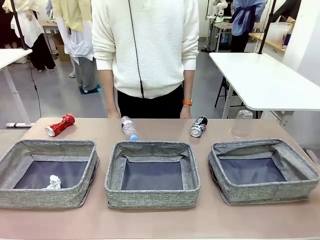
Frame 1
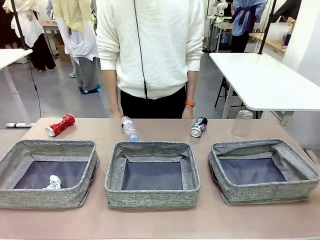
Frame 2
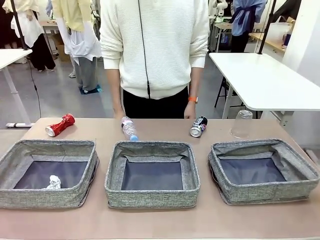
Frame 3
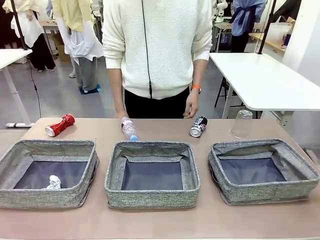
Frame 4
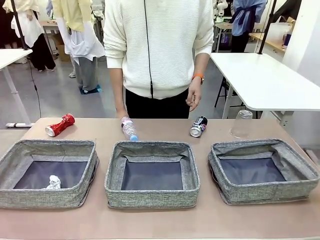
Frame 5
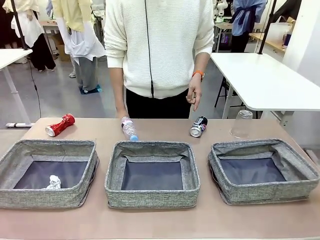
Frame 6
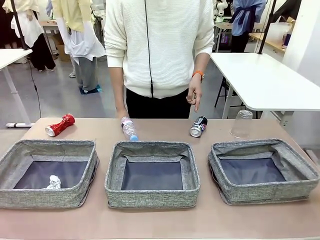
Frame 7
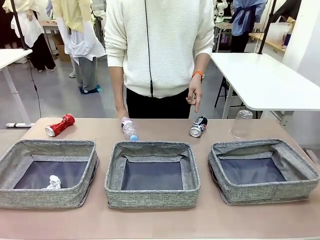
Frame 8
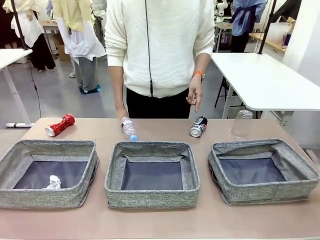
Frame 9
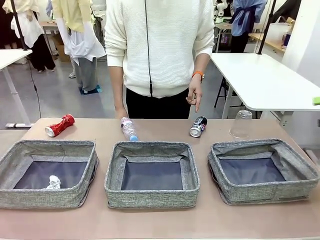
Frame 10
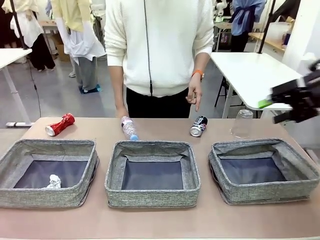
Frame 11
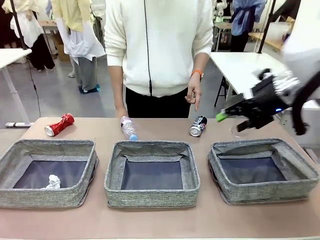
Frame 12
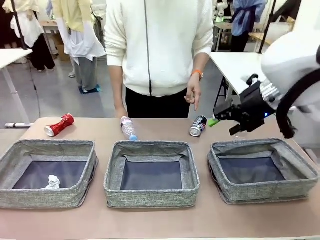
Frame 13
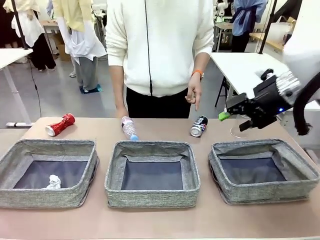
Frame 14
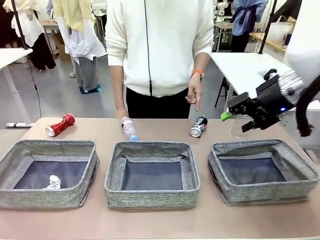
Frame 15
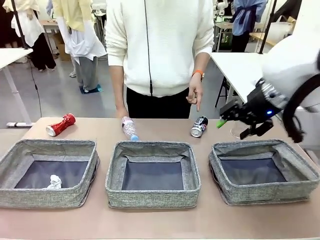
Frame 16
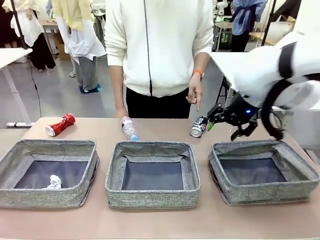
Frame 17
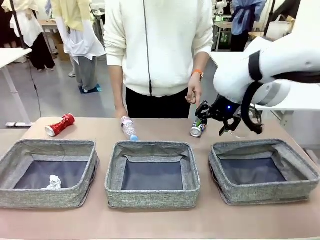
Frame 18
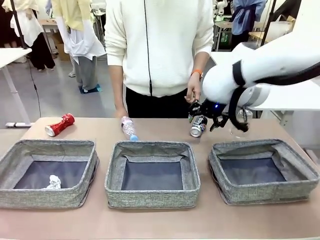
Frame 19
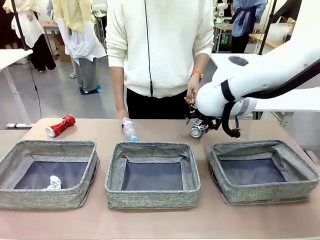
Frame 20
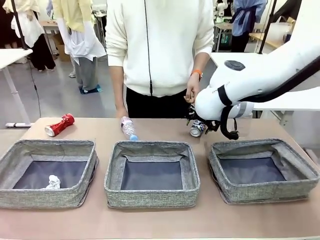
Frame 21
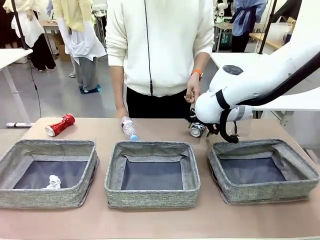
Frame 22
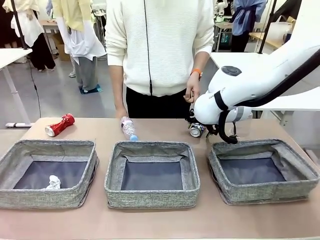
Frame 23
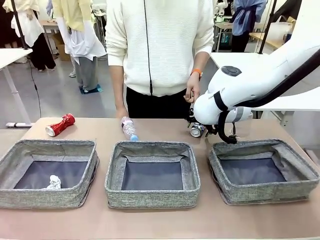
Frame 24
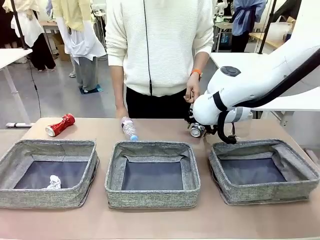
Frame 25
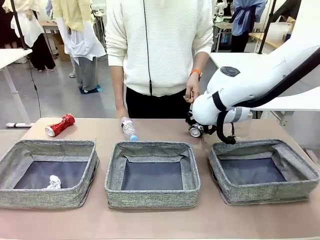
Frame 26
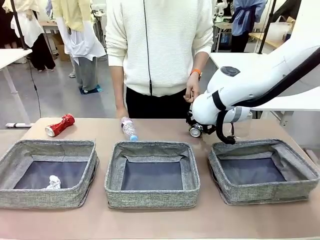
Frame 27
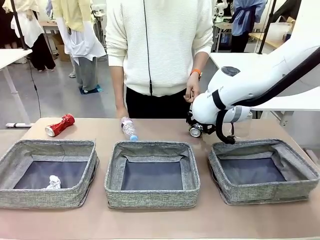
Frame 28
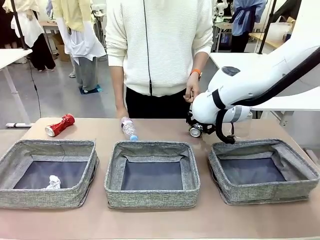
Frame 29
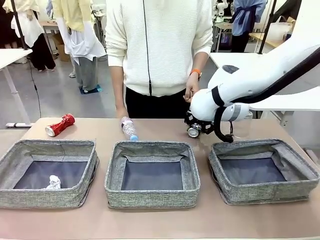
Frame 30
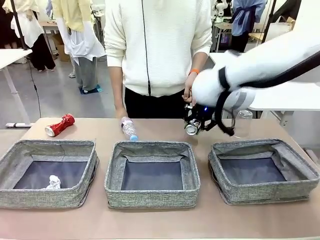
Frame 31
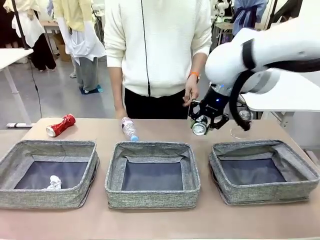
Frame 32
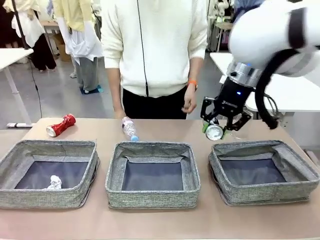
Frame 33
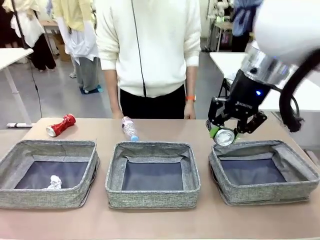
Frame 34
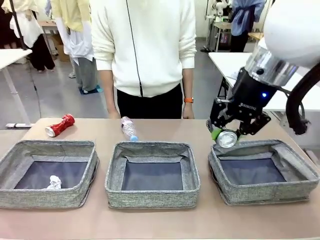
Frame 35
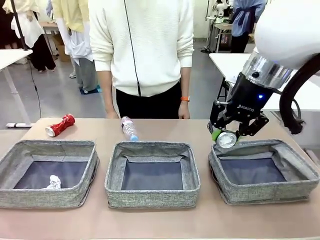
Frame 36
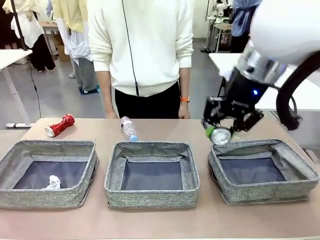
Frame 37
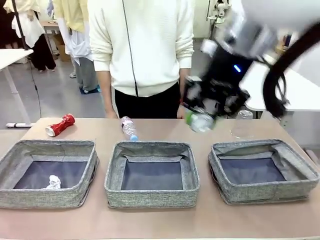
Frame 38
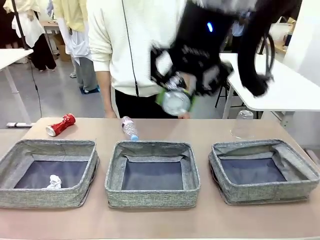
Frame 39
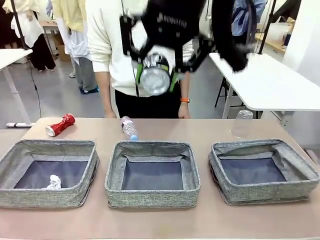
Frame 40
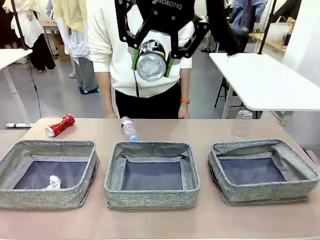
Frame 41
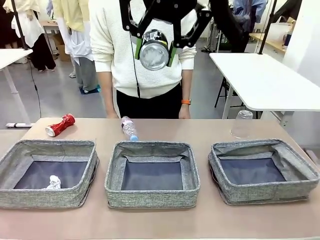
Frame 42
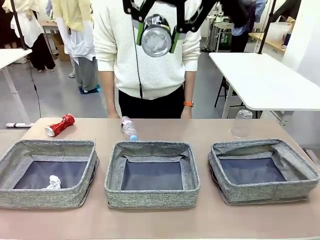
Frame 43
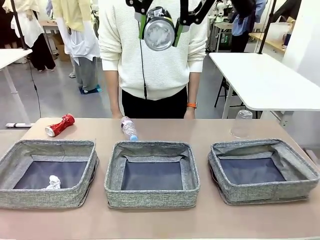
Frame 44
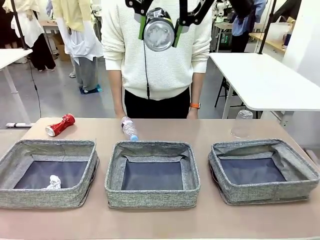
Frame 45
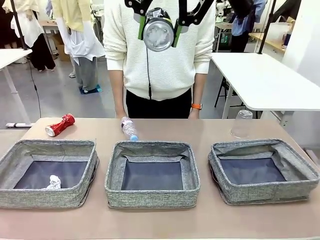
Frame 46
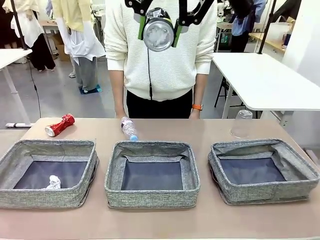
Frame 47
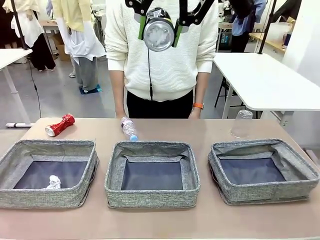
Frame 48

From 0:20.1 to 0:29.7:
Task: Sort the waste into the appropriate baskets.
Robot: Pick up the waste item pointed out by the person.
Person: Points to one piece of trash on the table.

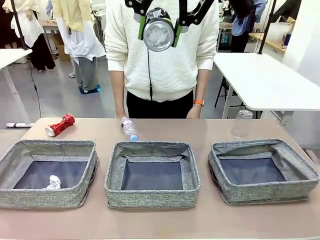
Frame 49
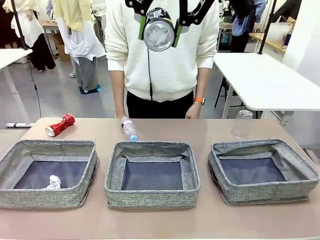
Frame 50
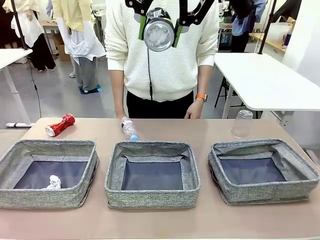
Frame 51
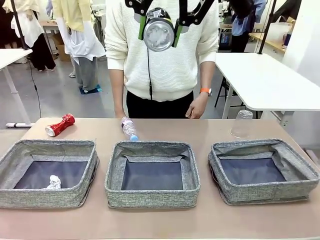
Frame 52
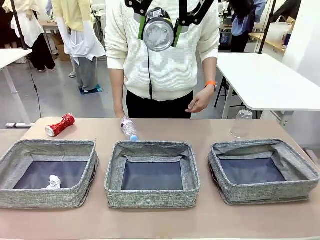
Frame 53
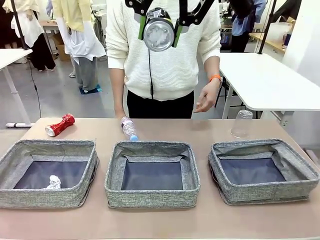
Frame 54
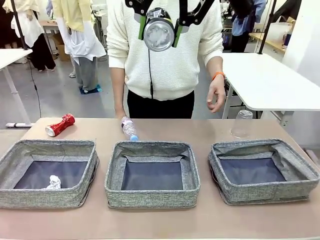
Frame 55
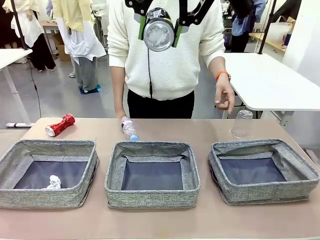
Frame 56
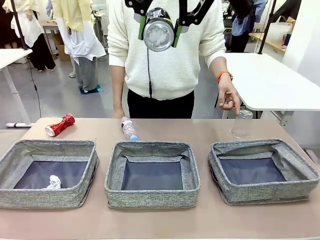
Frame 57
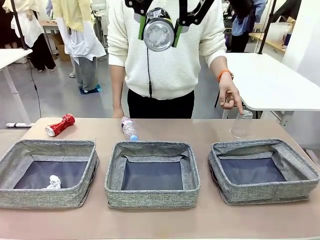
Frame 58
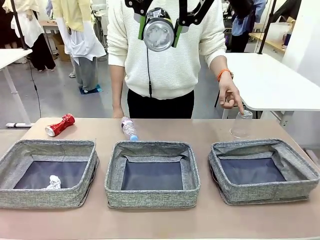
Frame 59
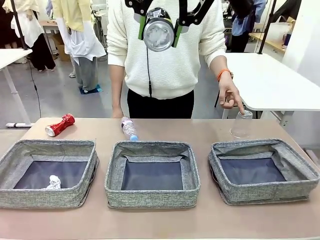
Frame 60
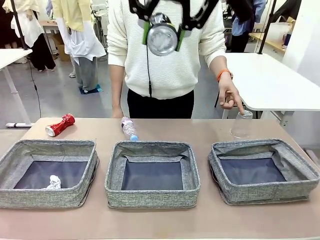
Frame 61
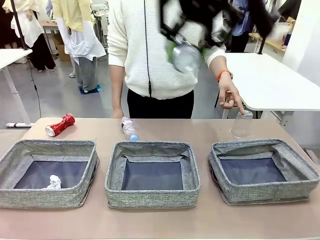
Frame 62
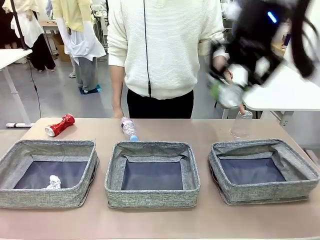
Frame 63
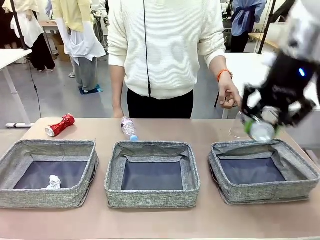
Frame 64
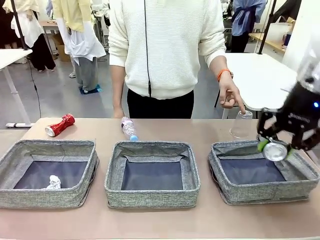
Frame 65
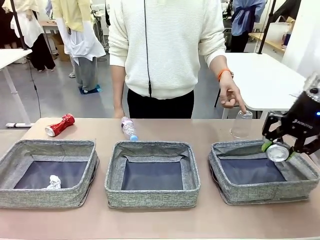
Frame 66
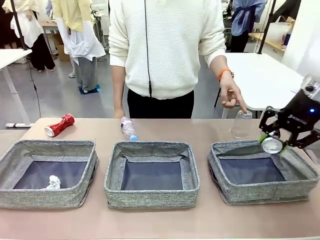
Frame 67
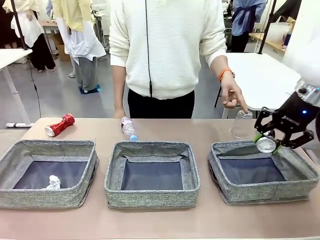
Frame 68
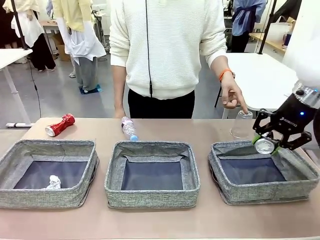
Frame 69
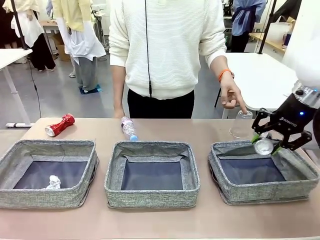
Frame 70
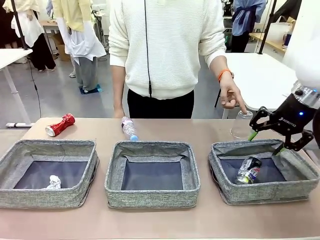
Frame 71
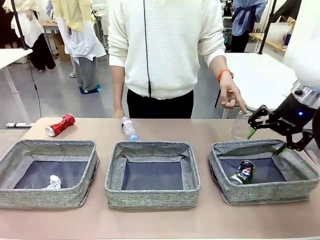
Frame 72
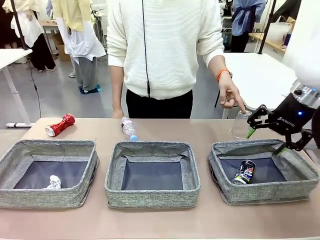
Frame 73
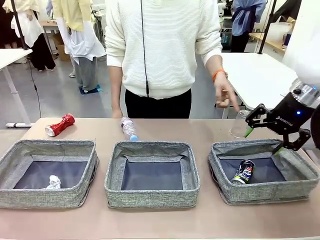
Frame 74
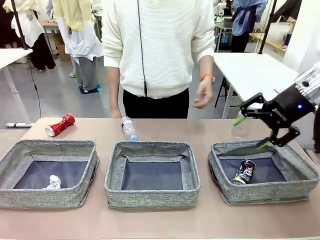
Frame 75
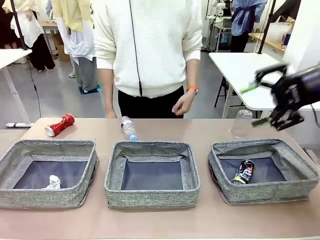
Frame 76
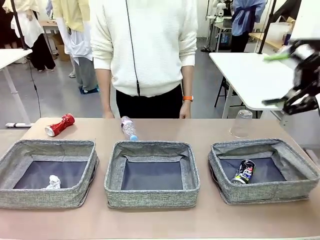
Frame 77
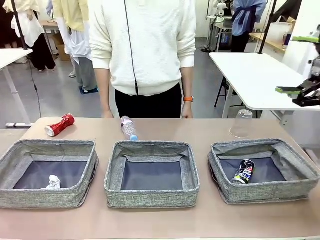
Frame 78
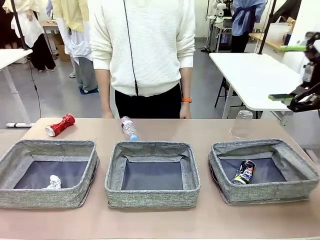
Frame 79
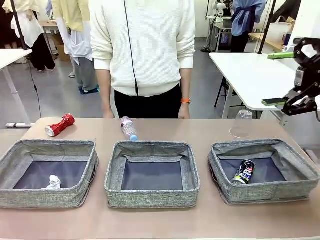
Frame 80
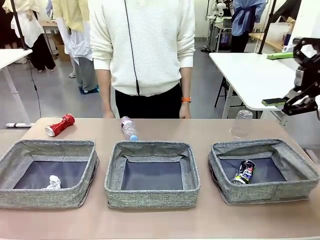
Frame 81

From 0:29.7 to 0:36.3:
Robot: Place the picked waste into the Fabric basket indicated by the person.
Person: Instructs the robot to place the picked-up trash into the appropriate organizing basket.
